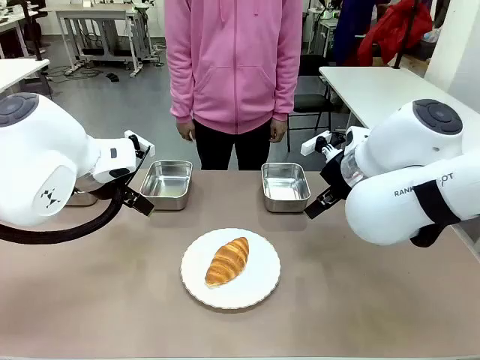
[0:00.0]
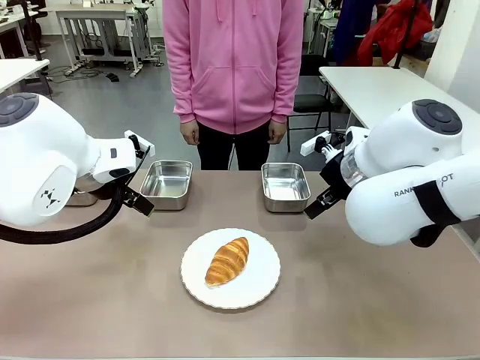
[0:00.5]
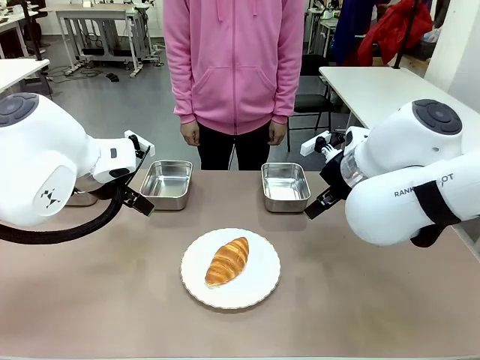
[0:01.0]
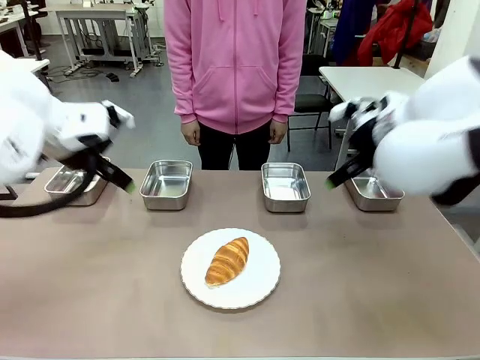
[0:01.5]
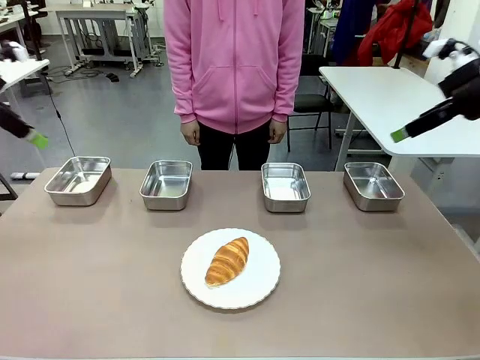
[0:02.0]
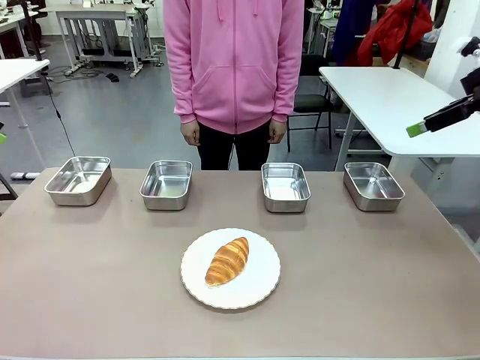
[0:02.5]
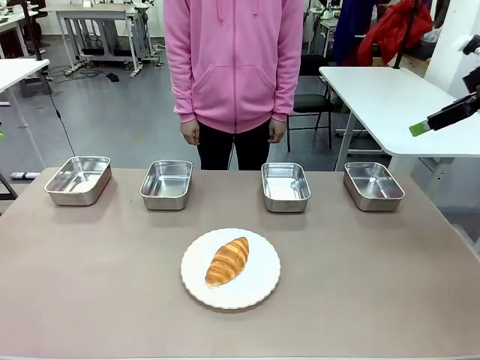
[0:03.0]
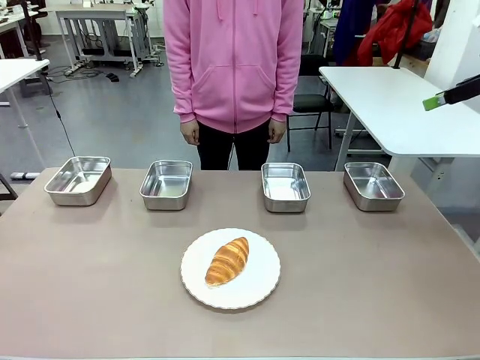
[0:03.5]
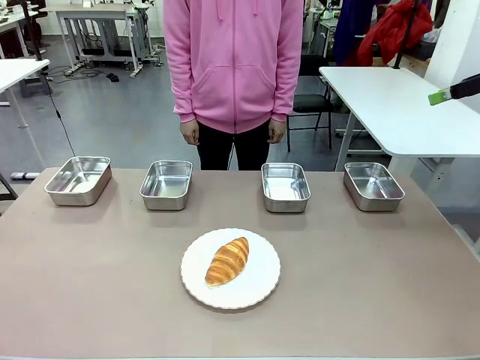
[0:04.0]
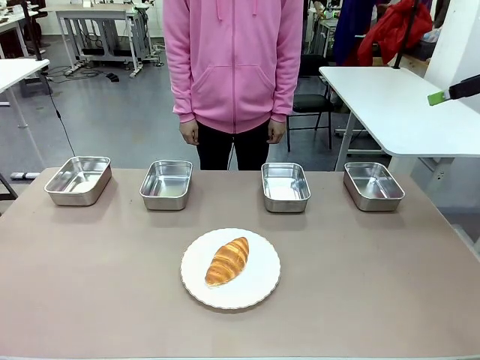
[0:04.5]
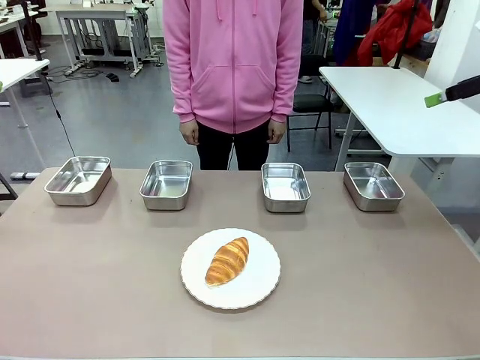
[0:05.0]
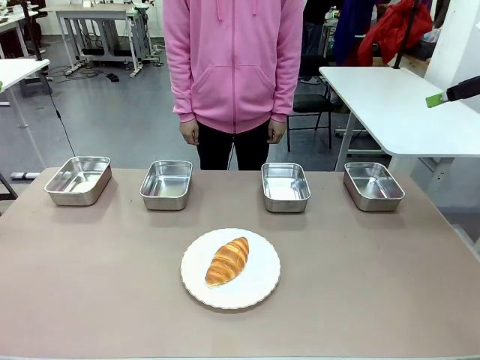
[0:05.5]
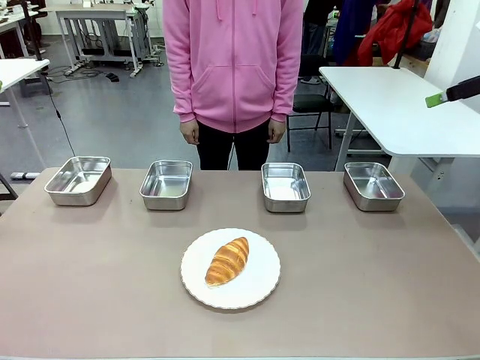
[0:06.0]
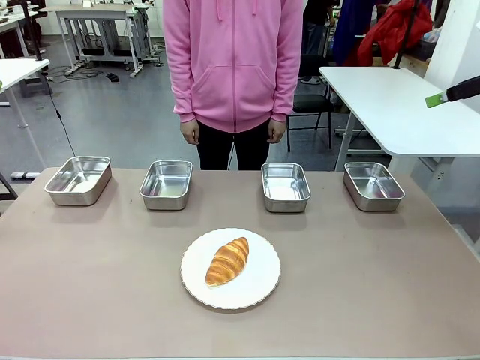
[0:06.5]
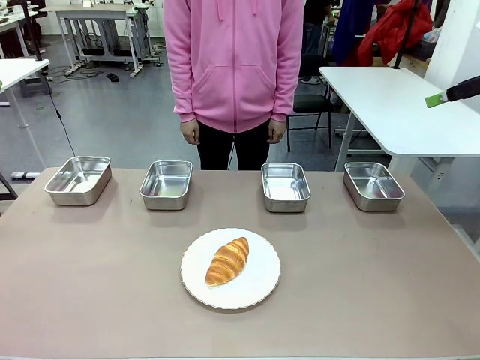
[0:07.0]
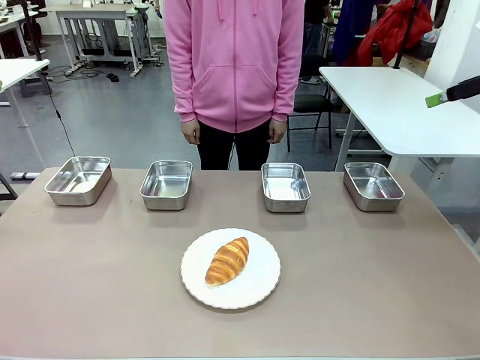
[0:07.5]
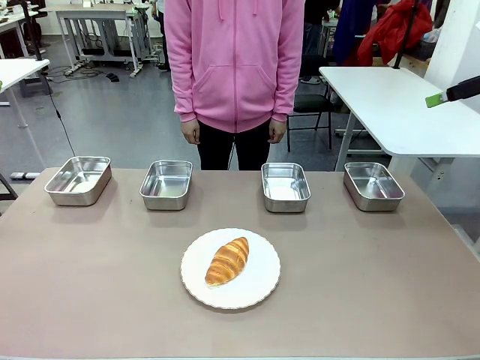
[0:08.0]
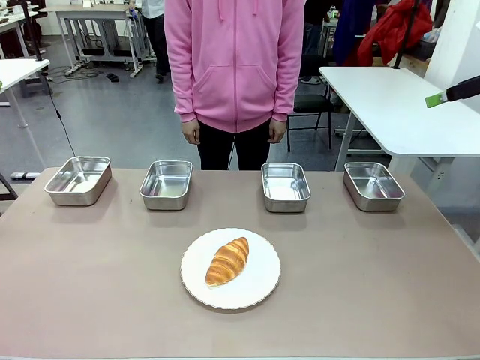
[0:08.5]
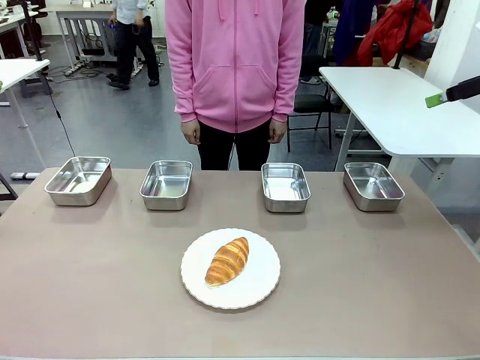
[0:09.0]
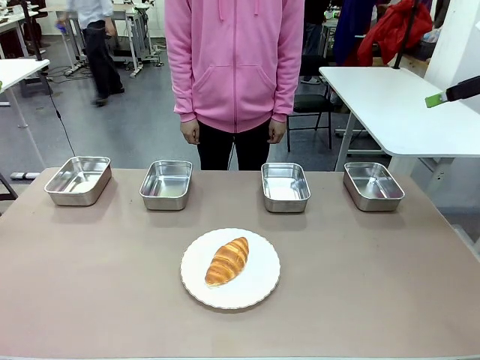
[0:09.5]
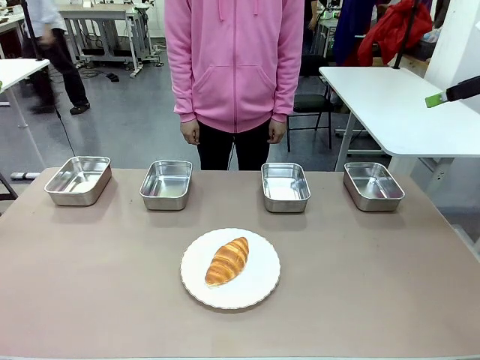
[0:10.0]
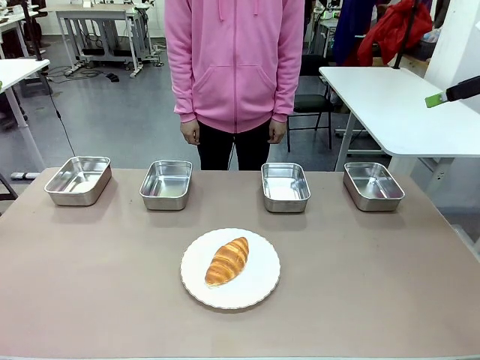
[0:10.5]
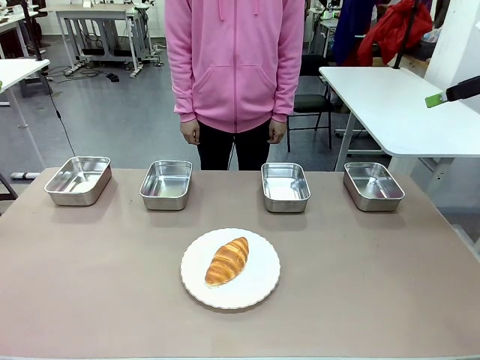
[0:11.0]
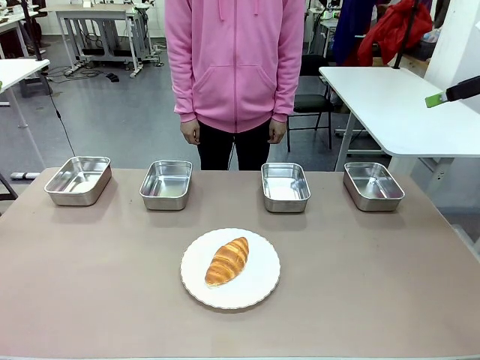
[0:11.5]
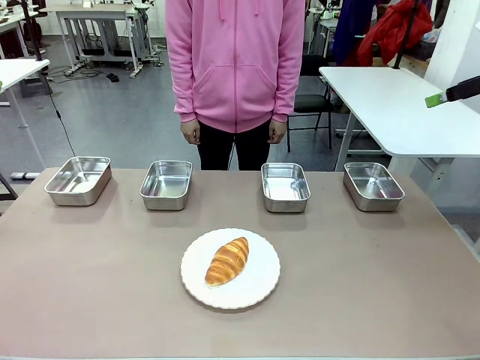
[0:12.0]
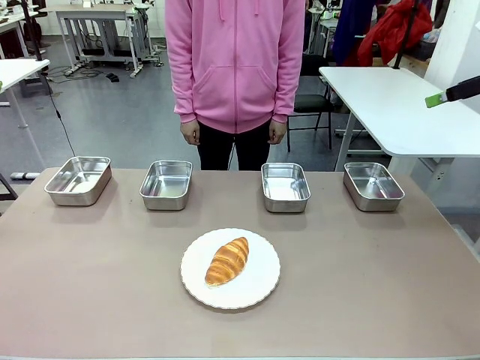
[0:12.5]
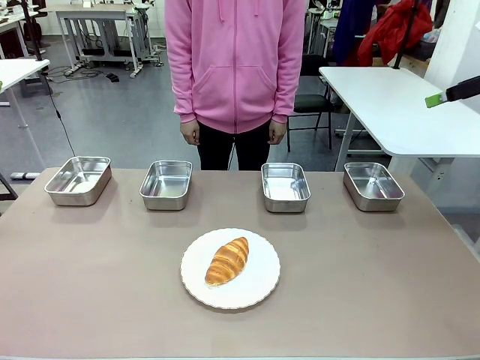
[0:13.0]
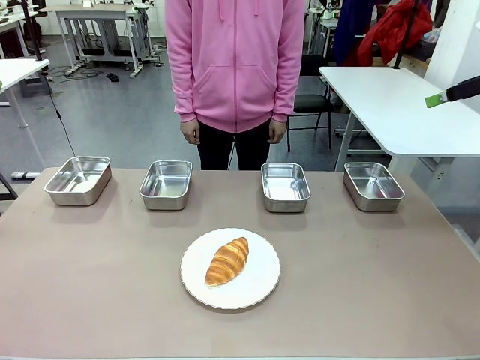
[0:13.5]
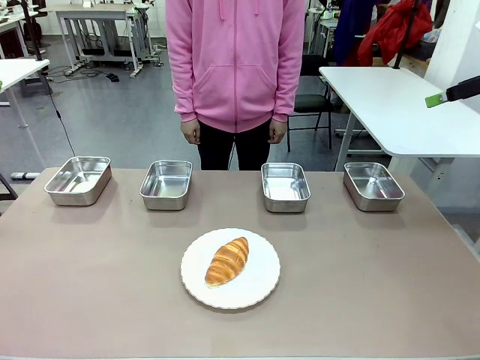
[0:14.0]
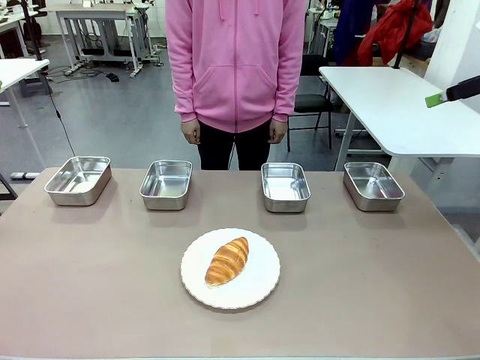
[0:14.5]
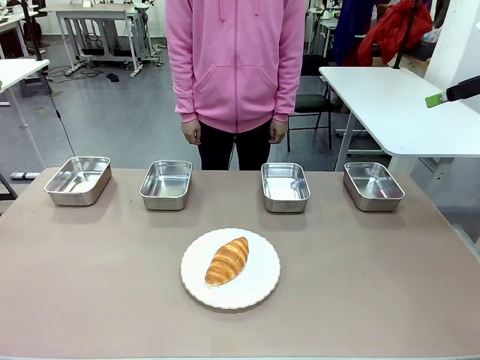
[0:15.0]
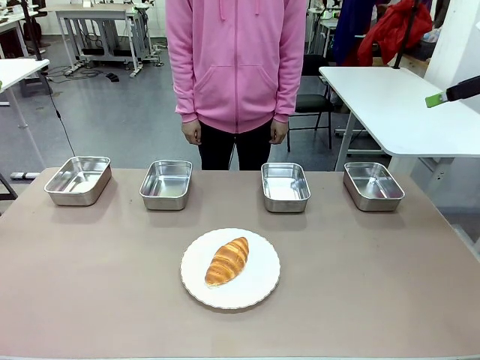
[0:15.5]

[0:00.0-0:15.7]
Task: Place the bread in the container.
Robot: Place the Butter Roll into the Airtight Container indicated by the human.

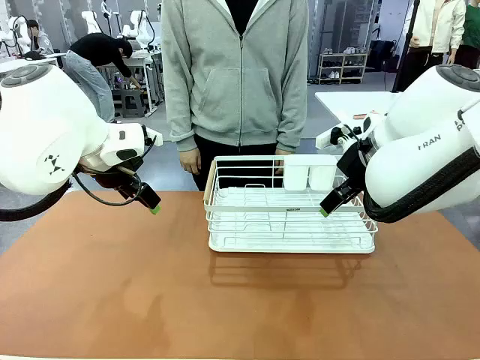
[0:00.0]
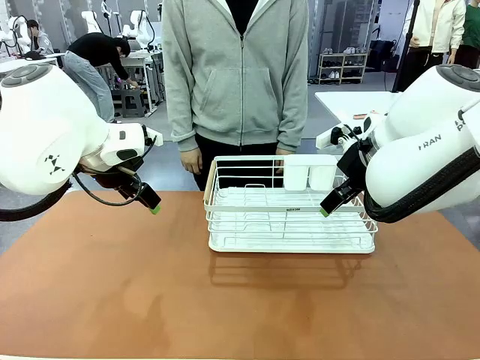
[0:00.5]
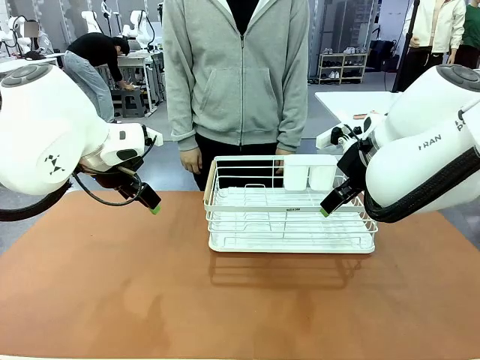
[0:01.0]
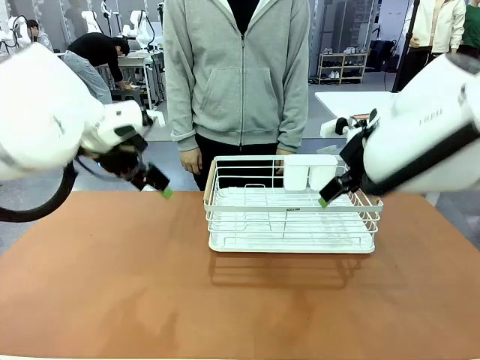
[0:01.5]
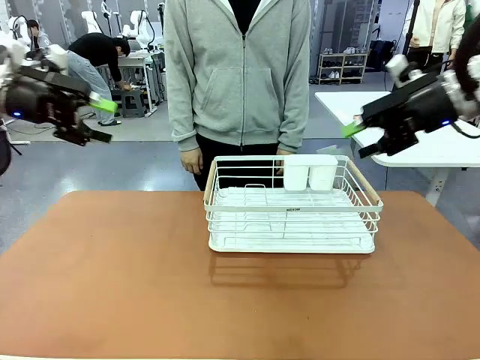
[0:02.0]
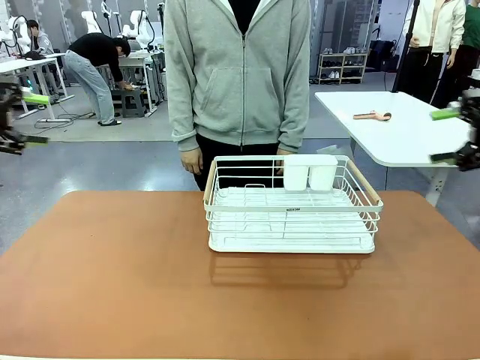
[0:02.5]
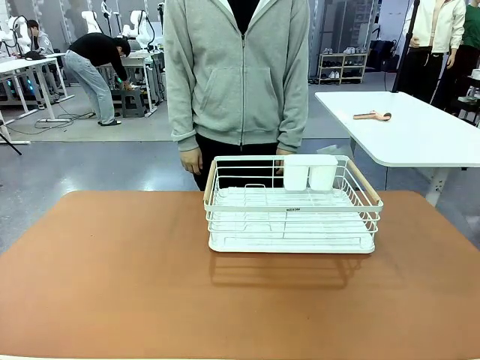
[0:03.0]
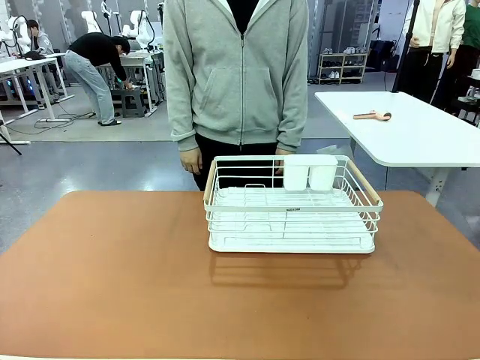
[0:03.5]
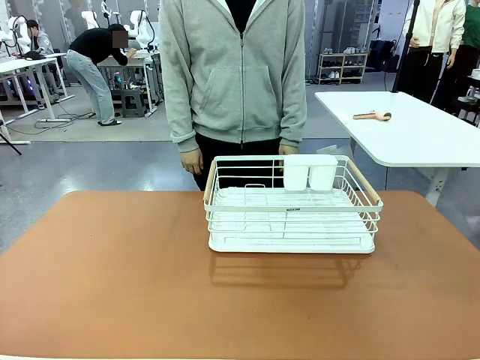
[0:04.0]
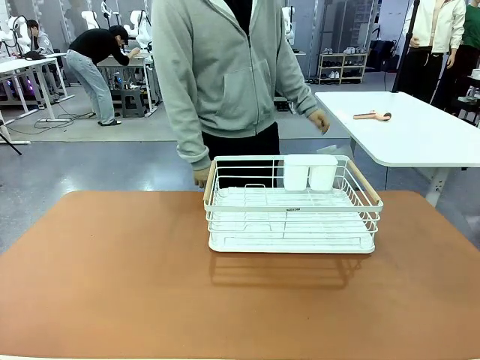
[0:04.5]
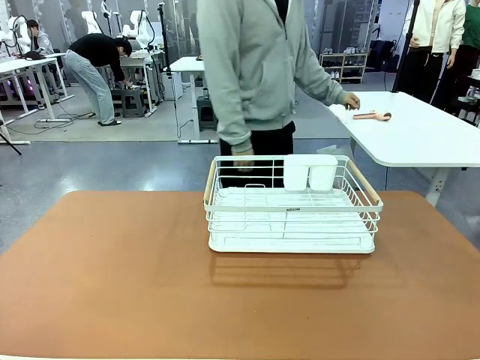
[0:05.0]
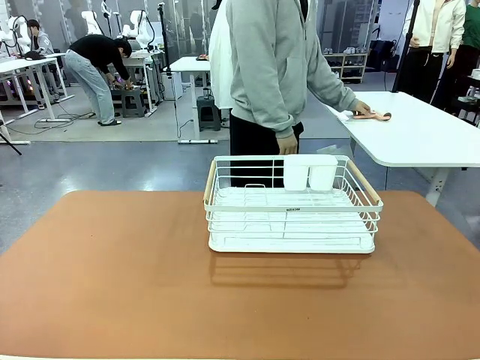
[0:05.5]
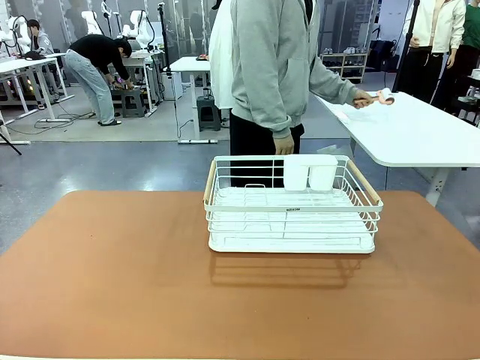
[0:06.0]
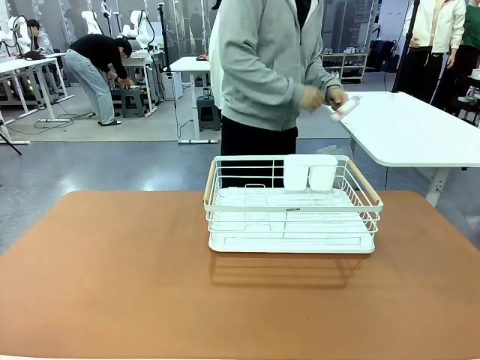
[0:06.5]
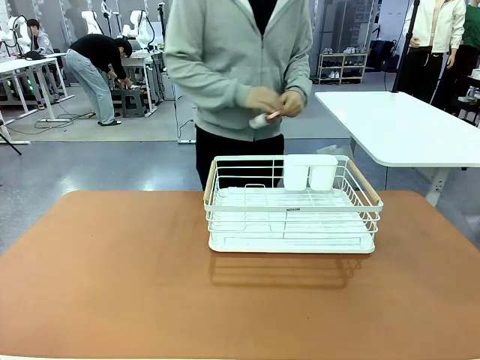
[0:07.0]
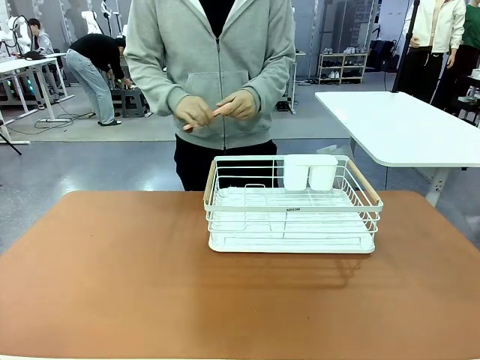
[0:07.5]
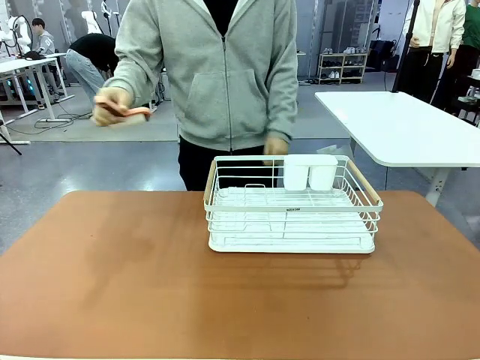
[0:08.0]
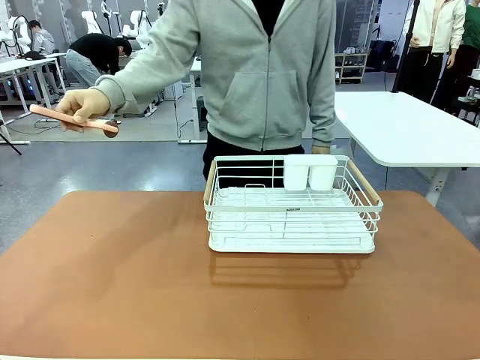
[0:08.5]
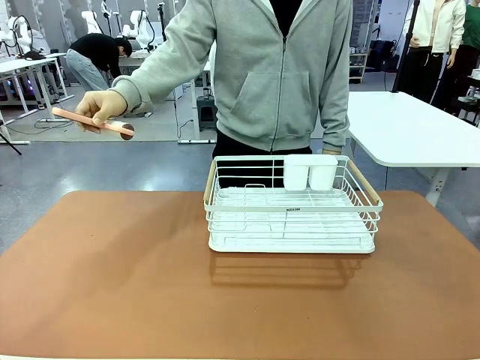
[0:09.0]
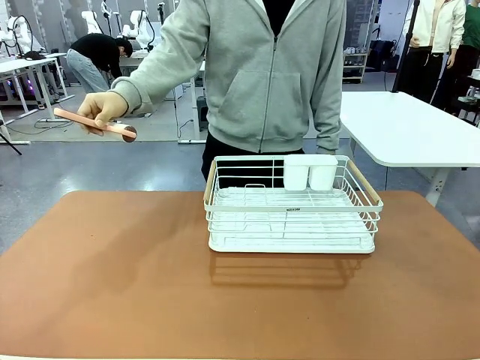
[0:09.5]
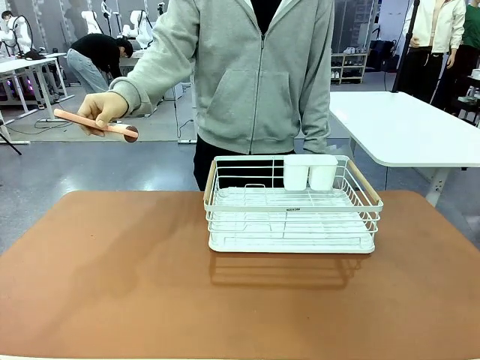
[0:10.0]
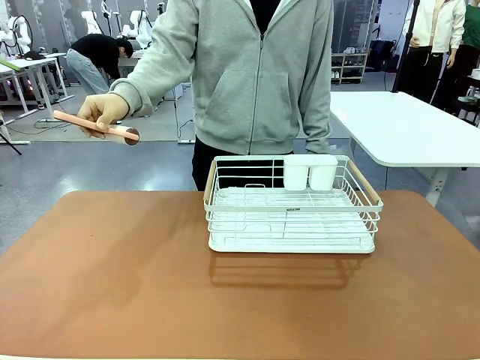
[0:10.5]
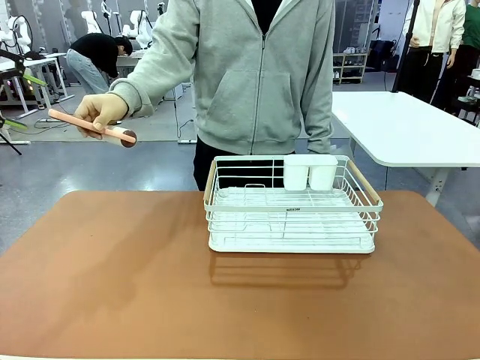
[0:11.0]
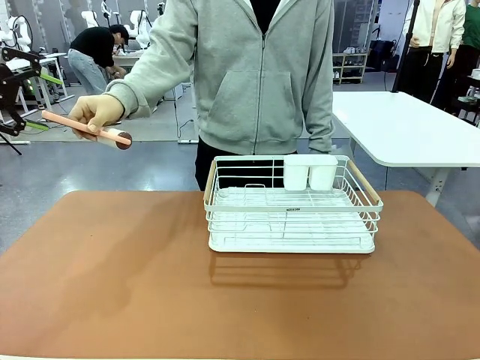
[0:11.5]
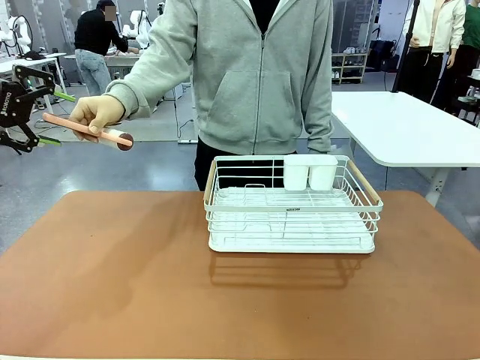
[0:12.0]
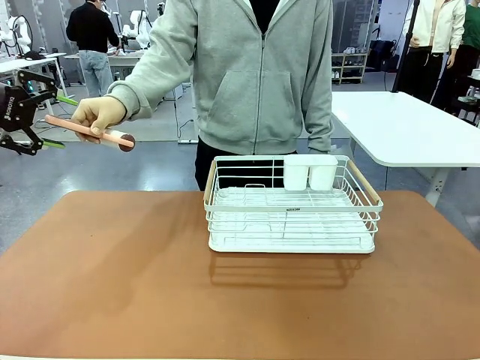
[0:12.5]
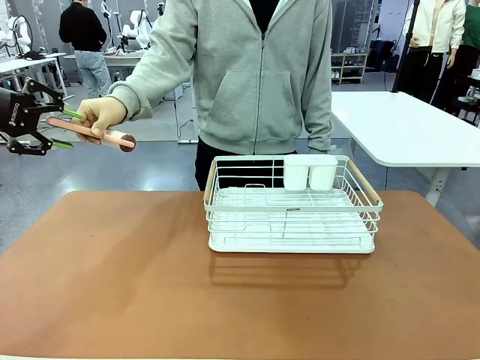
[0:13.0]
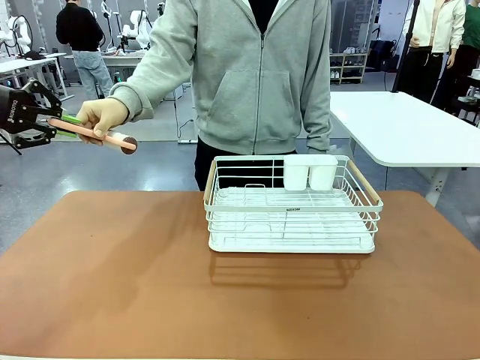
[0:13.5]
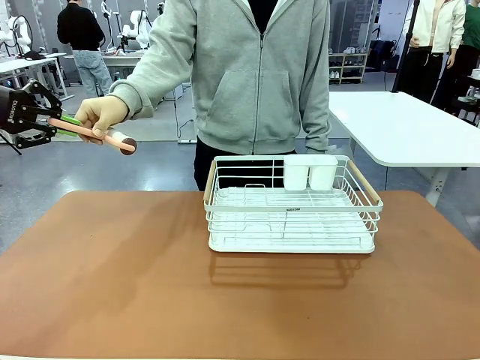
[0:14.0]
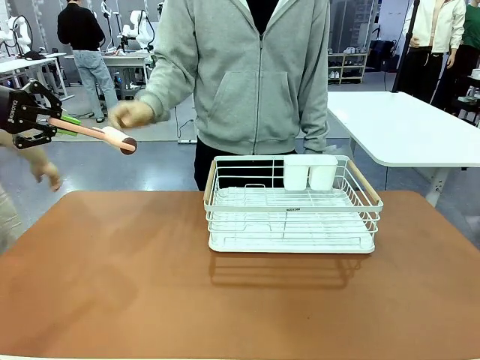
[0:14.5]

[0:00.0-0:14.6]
Task: Clean the table.
Robot: Pick up the Lint Roller when the human hands it over.
Person: Hand the Lint Roller to the robot so it can easily pick it up. Lift the Dish drying rack.
